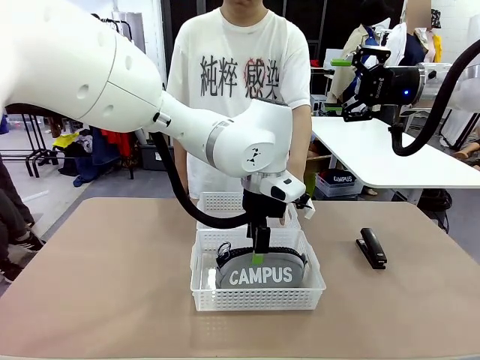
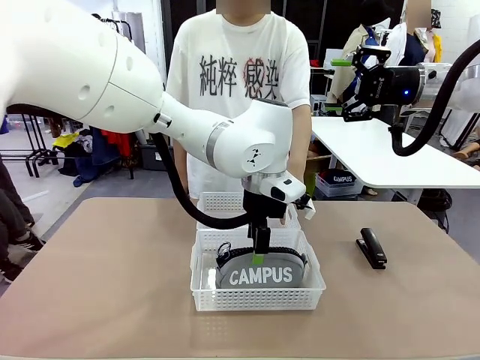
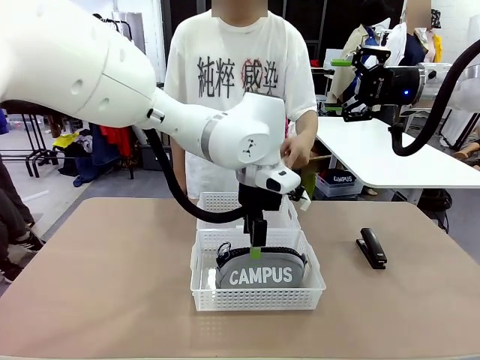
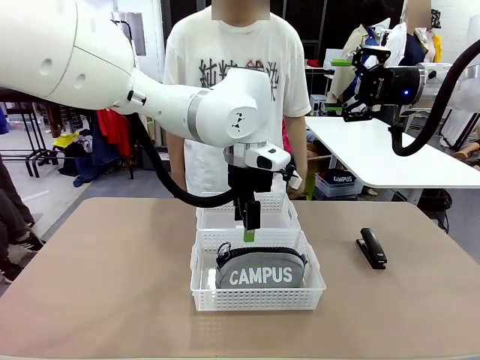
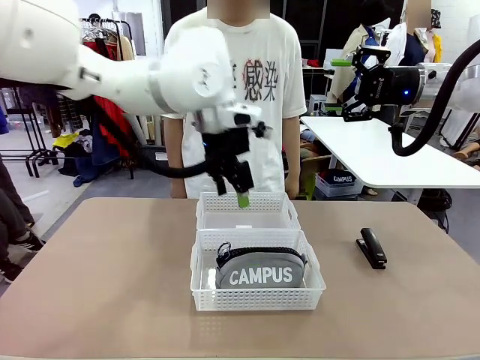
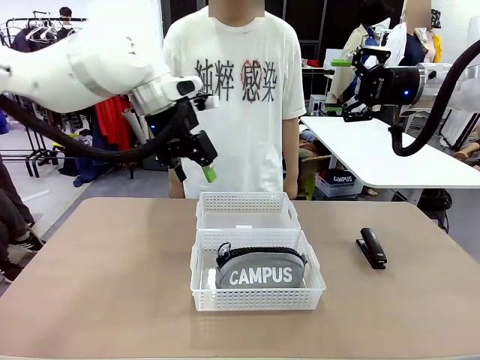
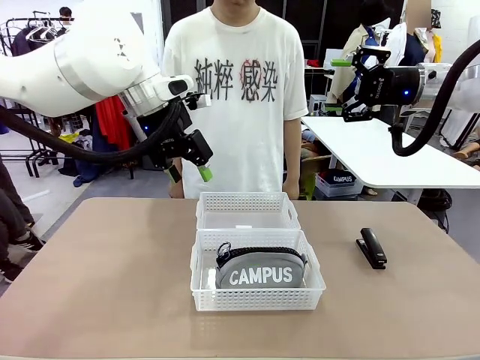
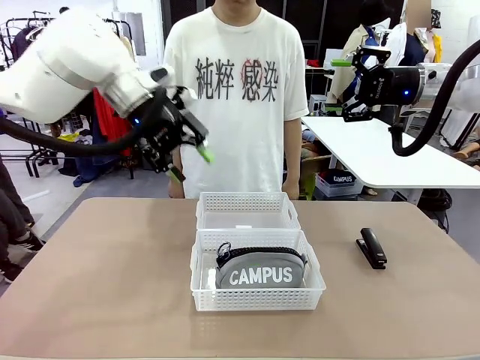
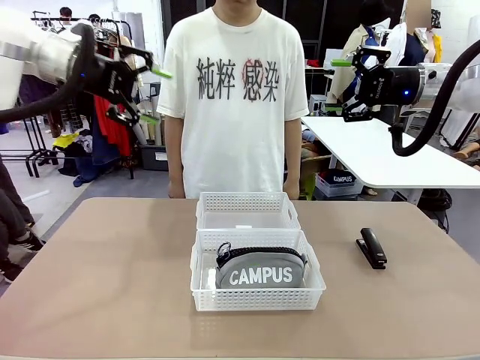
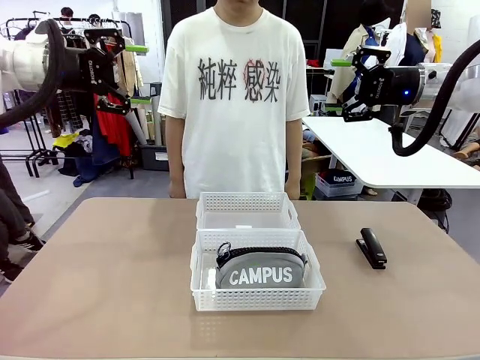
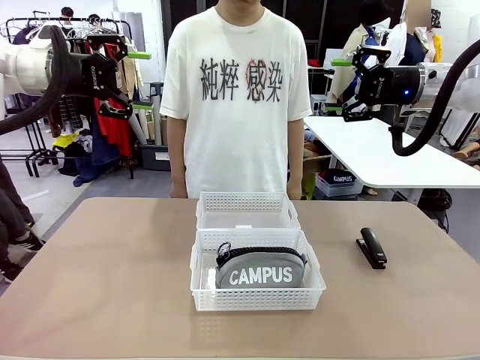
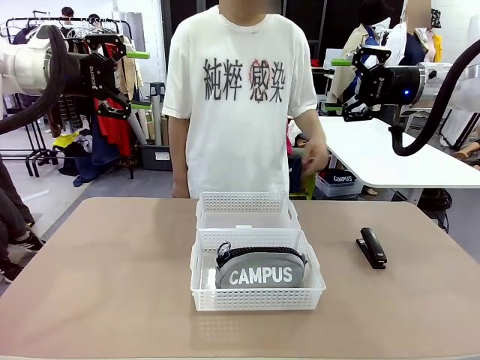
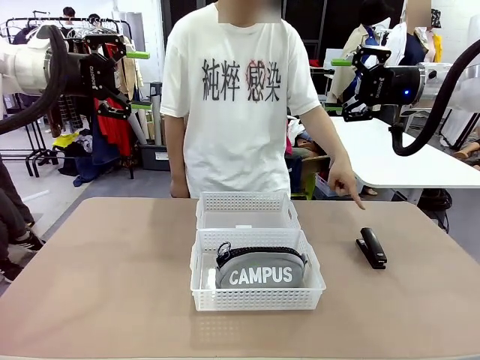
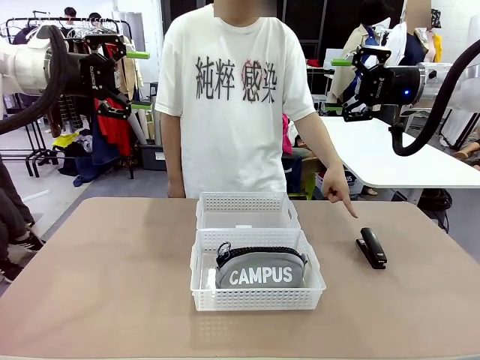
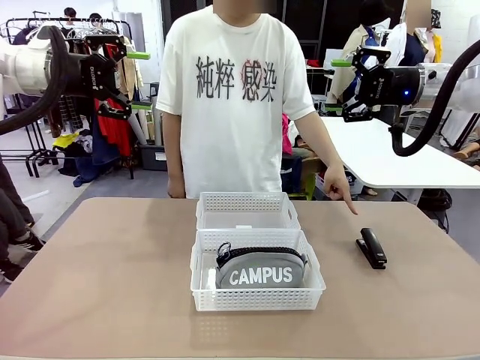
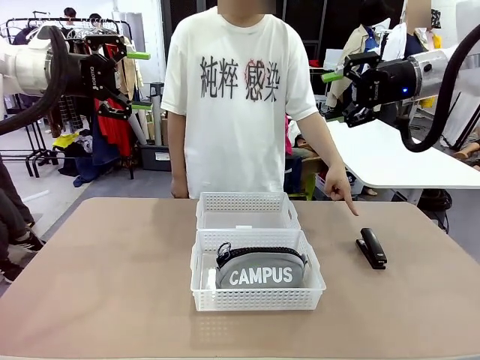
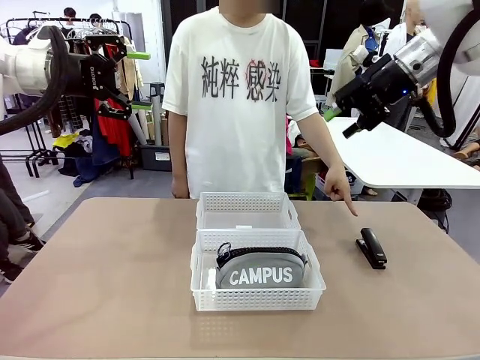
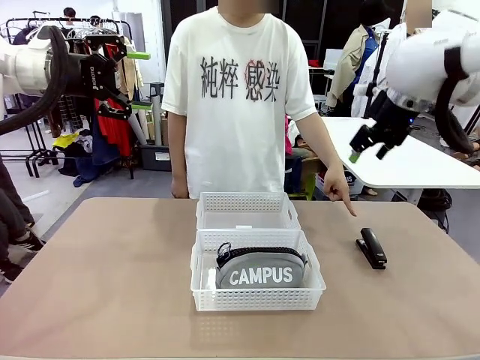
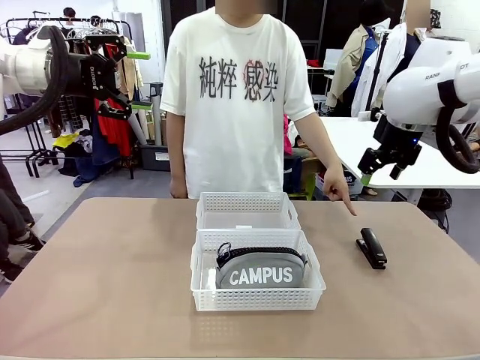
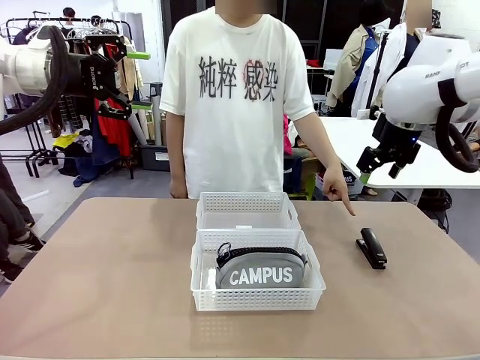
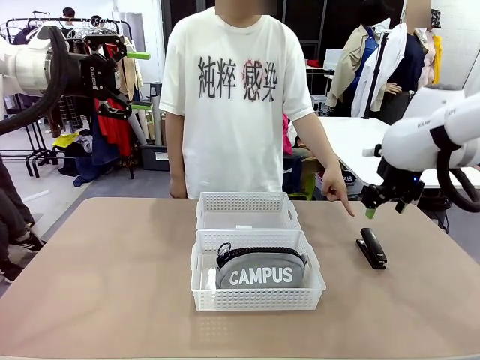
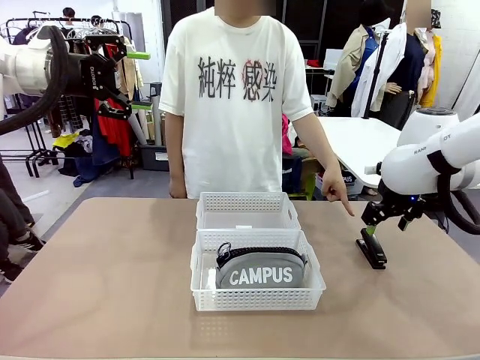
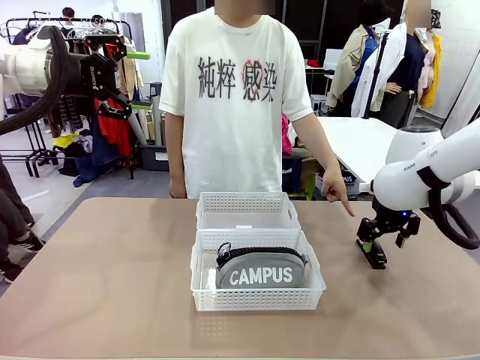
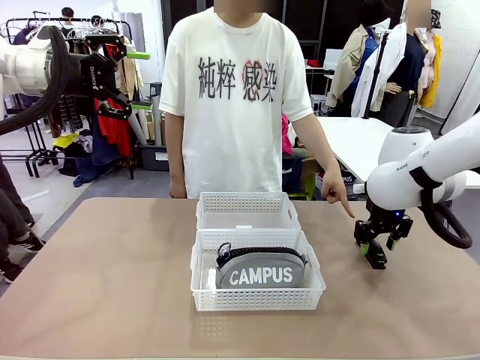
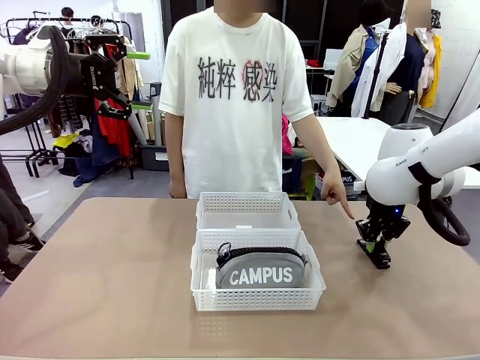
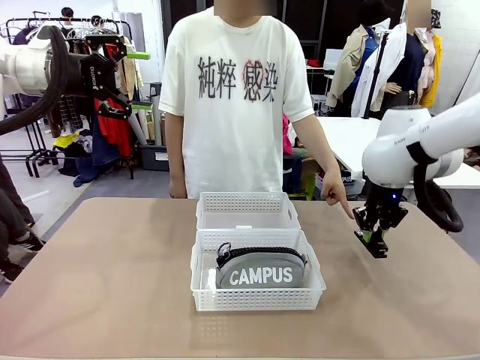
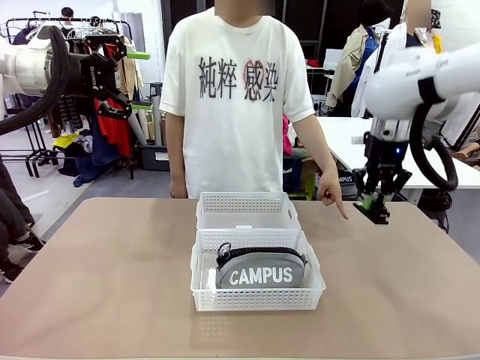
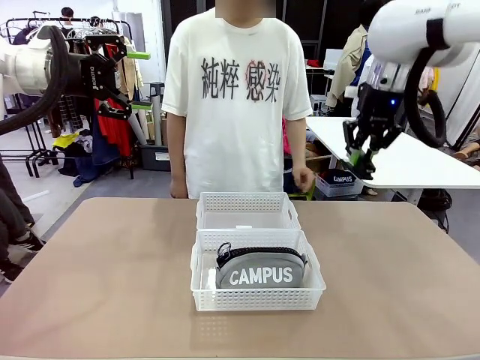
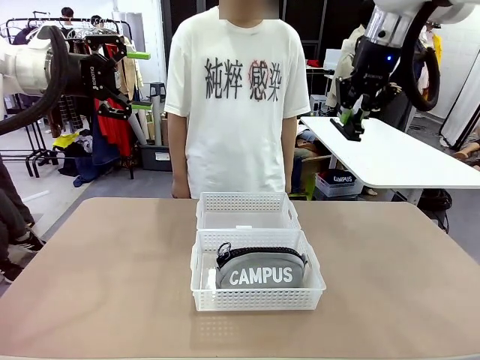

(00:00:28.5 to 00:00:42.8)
Task: Distribute items into two baskets.
Robot: Pick up the Stapler that the person points to.
Person: Points to the stapler.

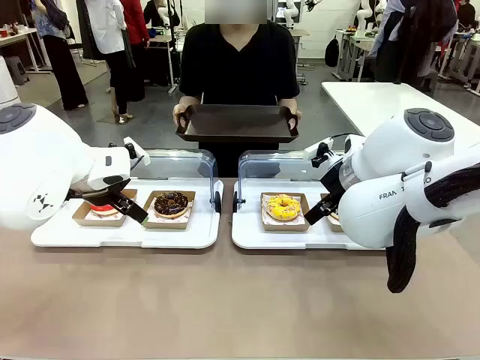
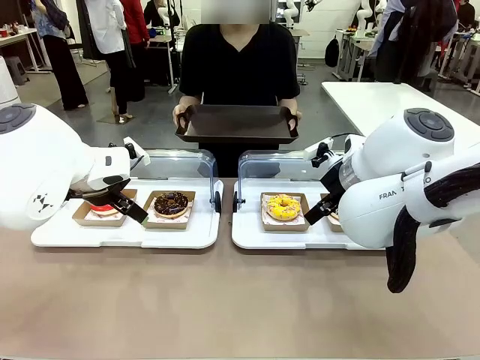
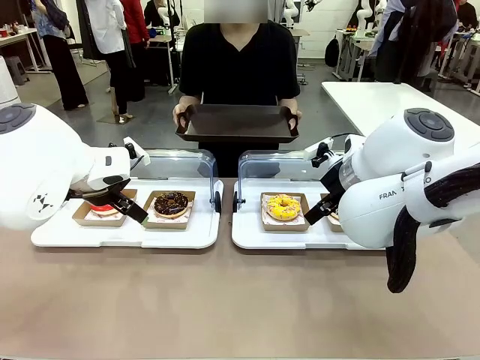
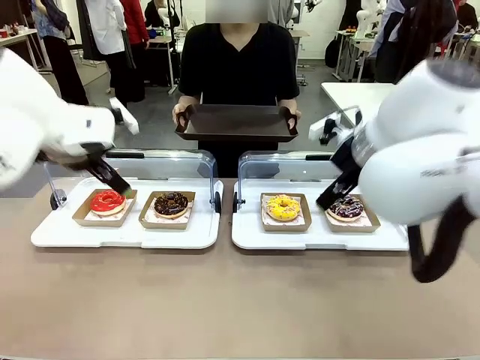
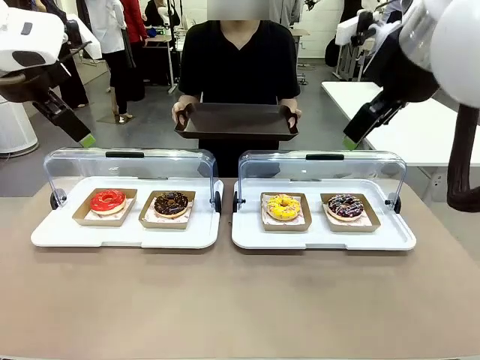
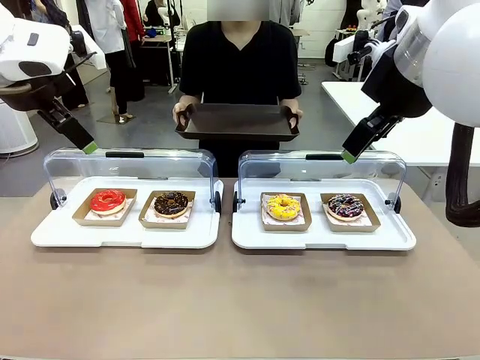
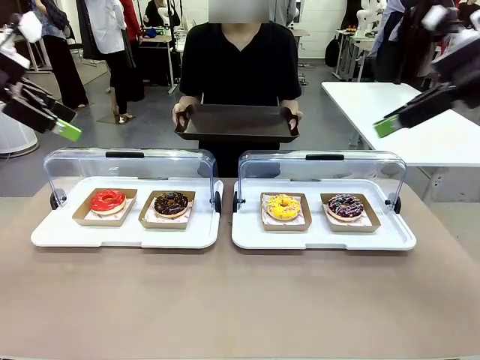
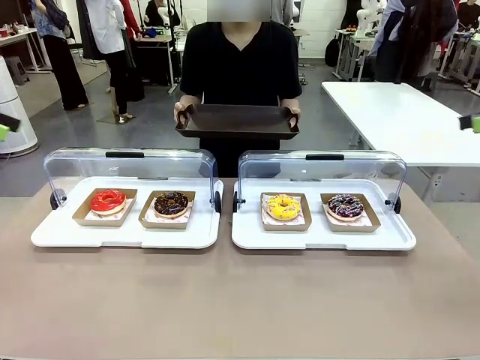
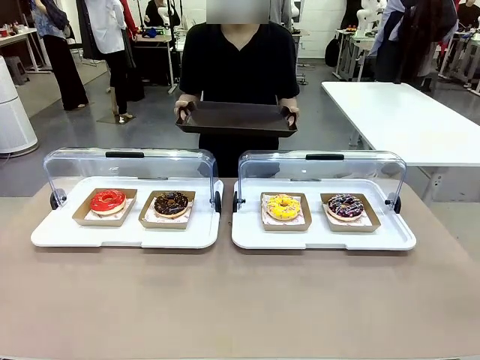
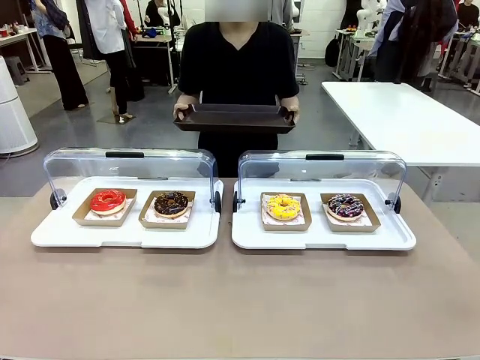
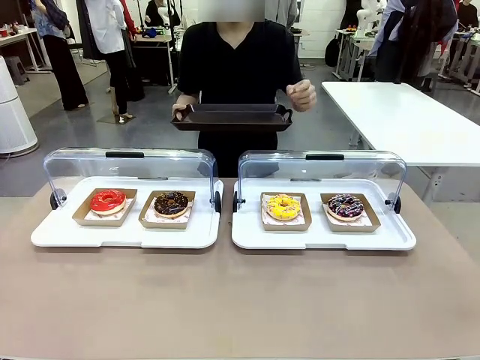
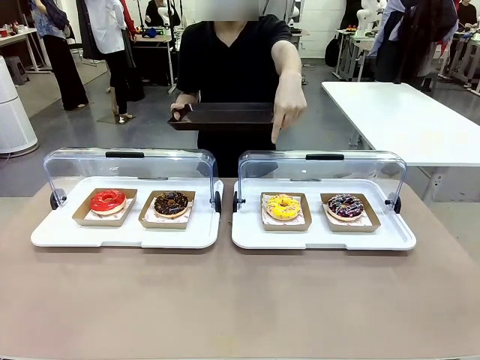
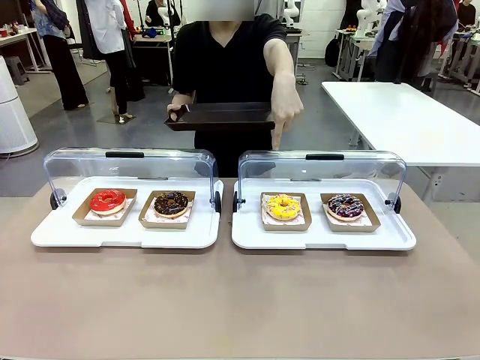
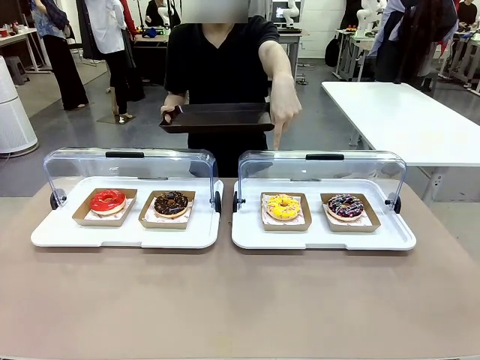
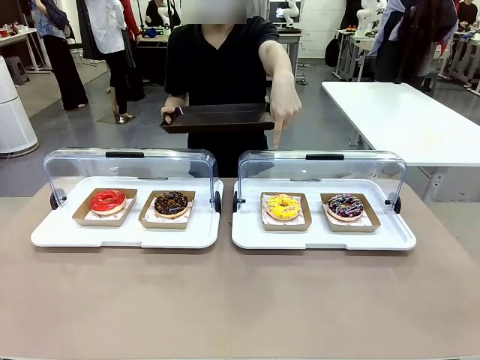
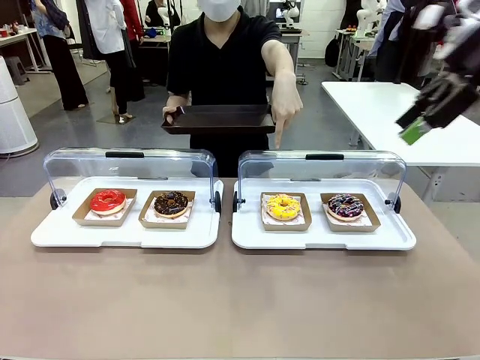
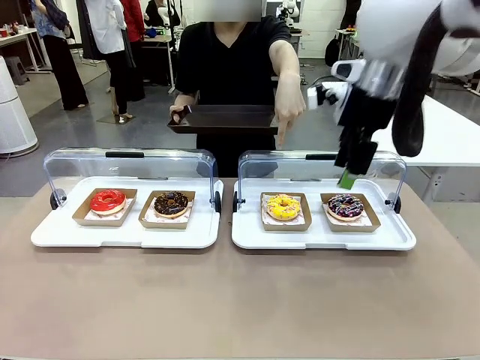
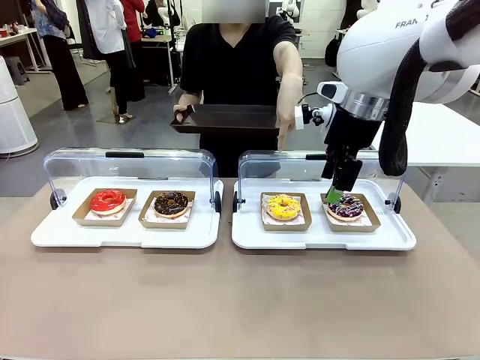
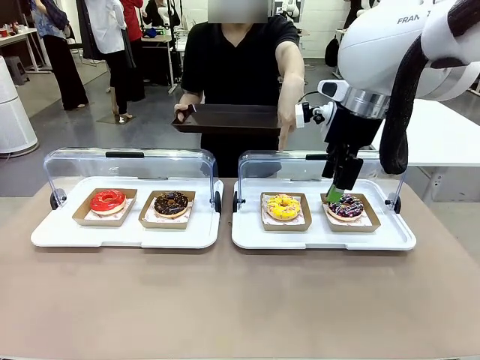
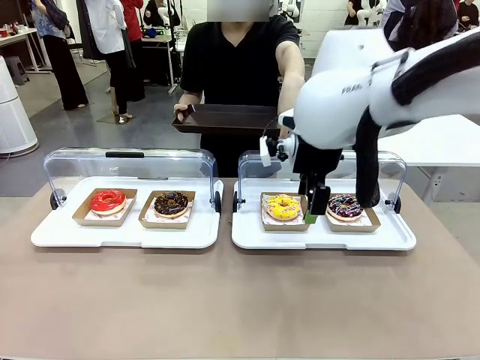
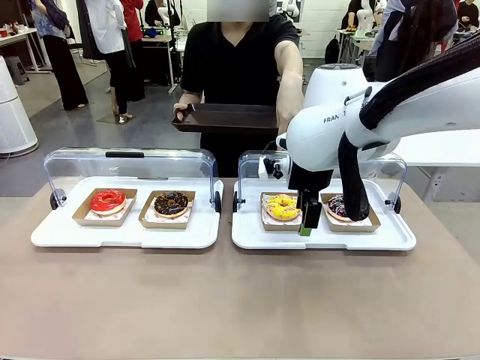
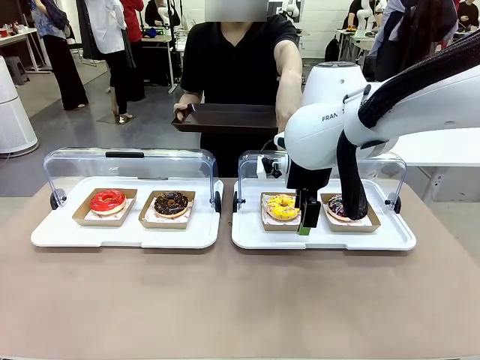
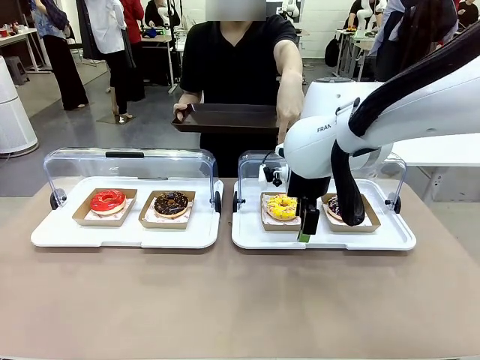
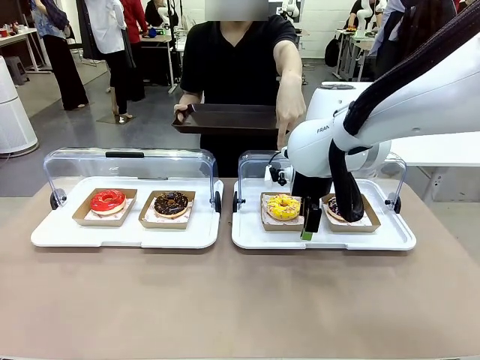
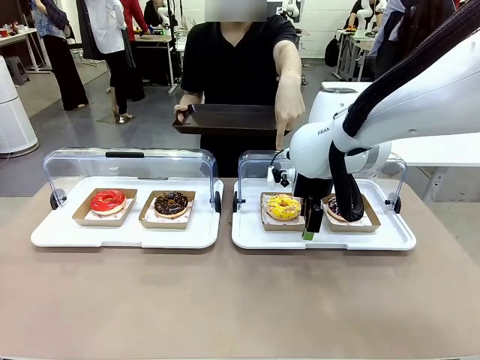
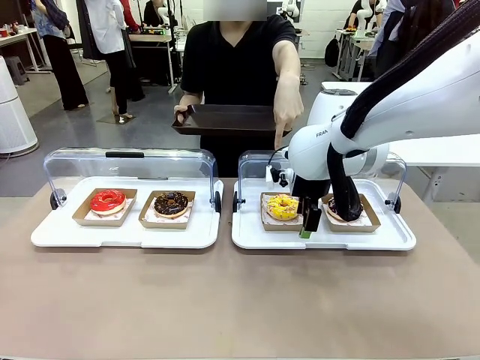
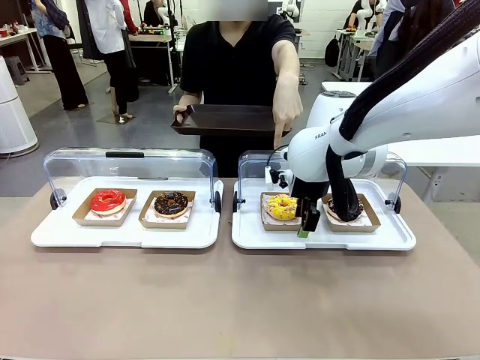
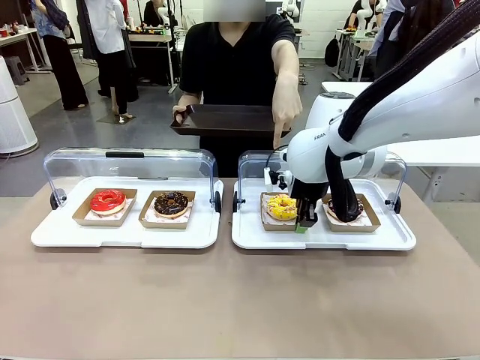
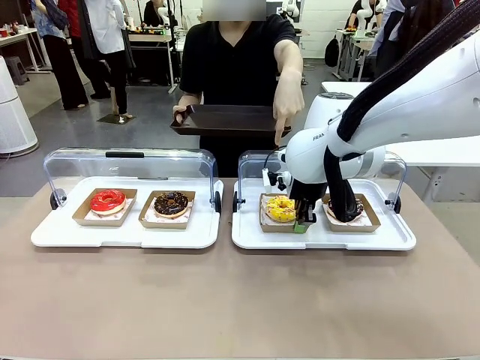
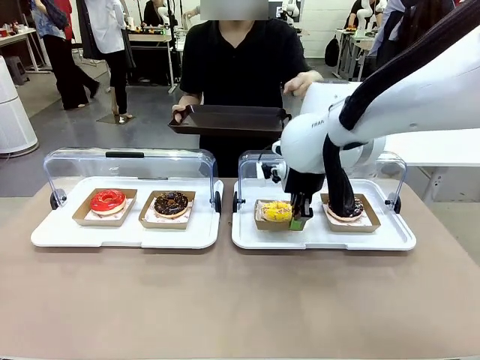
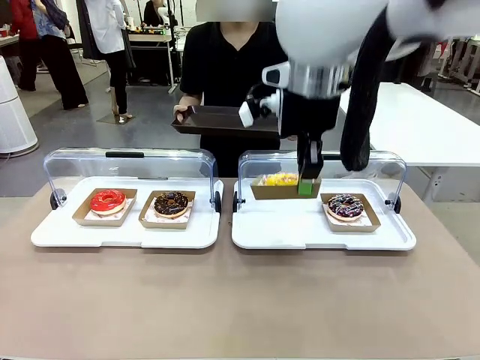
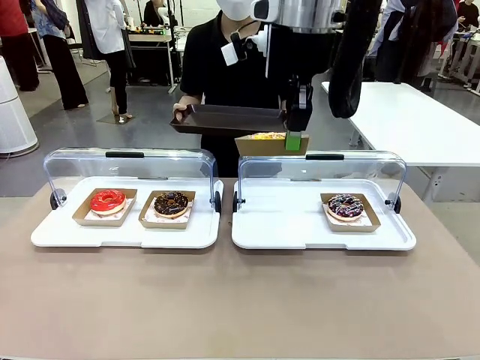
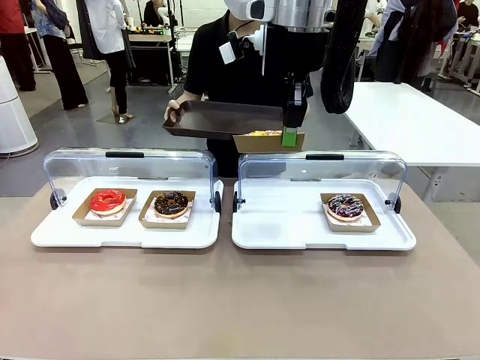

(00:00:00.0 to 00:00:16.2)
Task: Provide the desired donut to the person.
Robot: Pick up and lift the Paper togo box containing the Donut pointed at by the person.
Person: Point to one donut. Lift the tray onto the Roll-Top Bakery Case.
